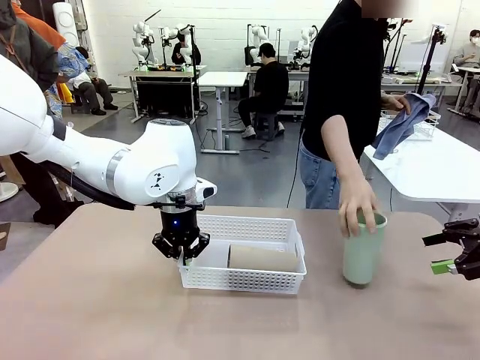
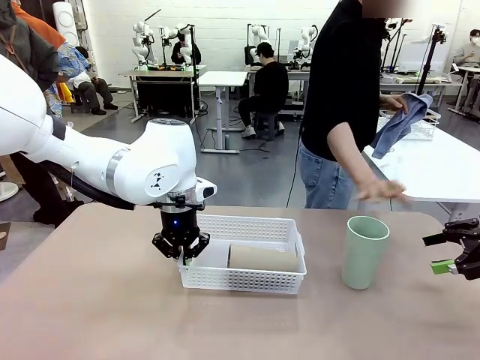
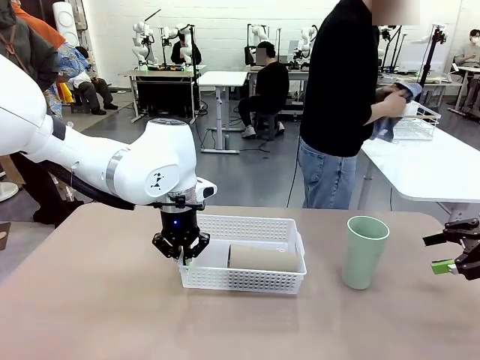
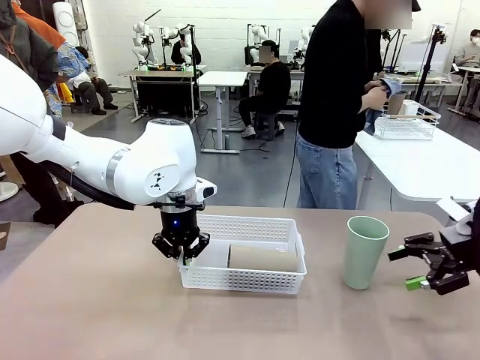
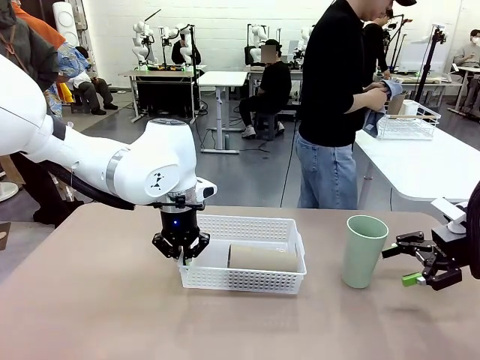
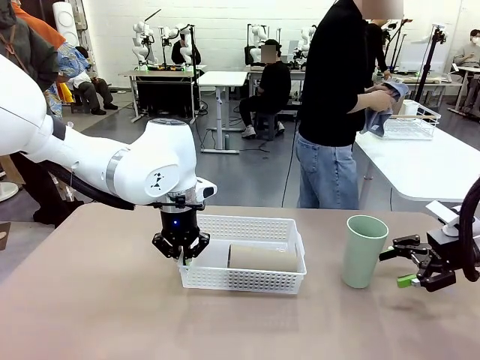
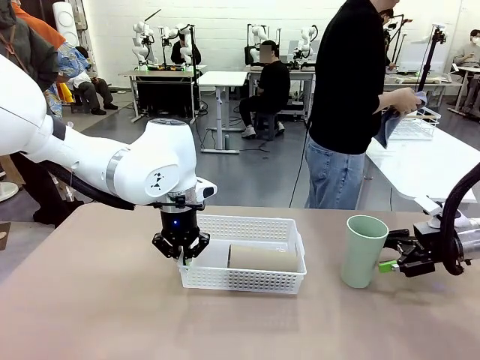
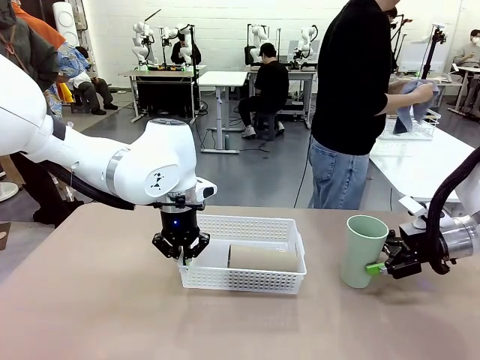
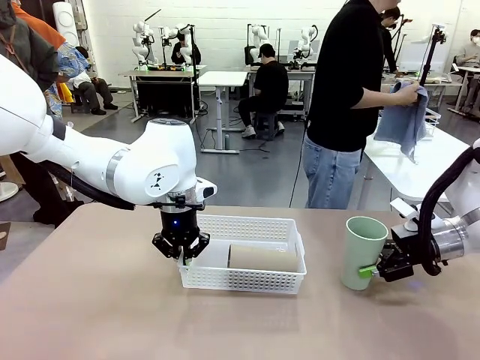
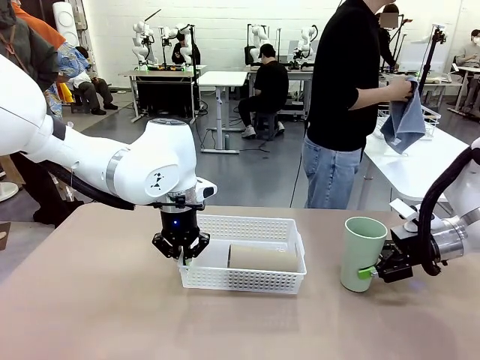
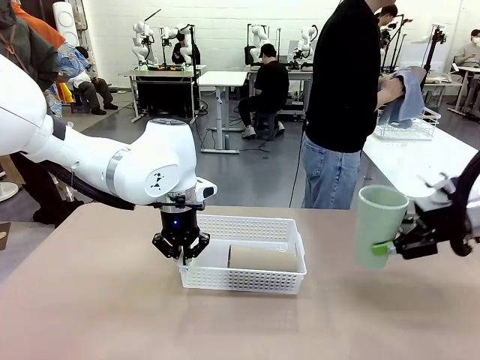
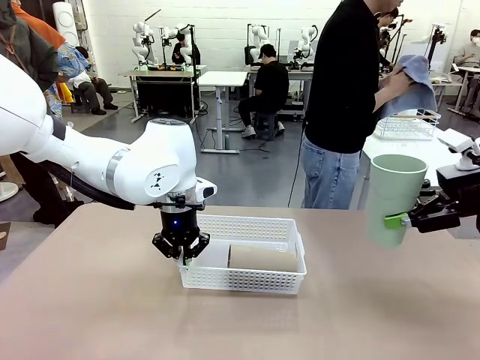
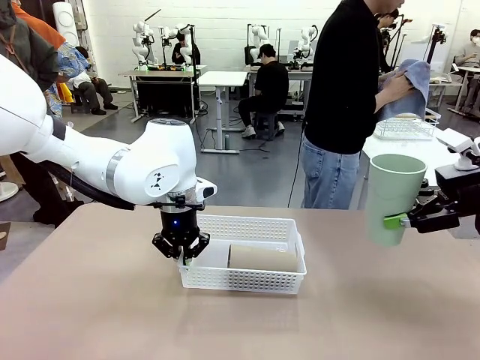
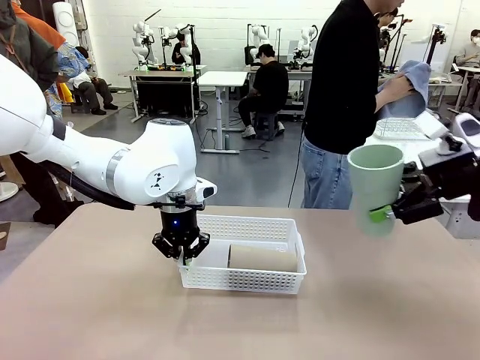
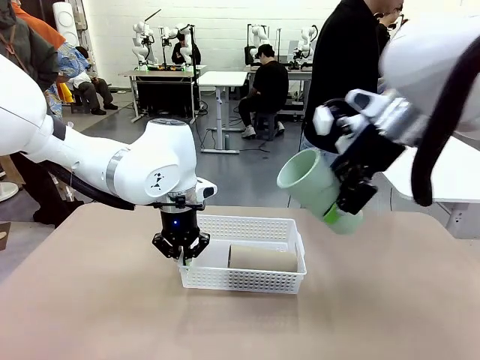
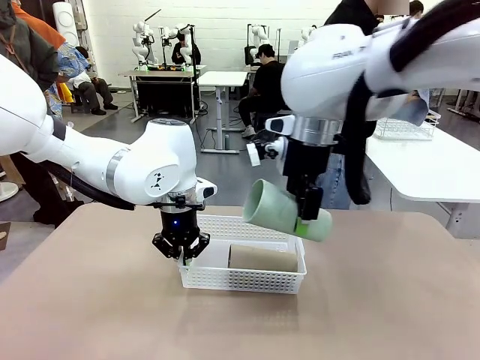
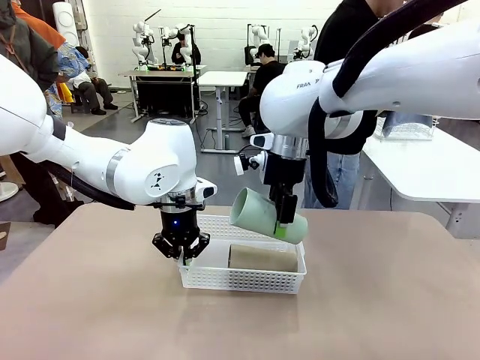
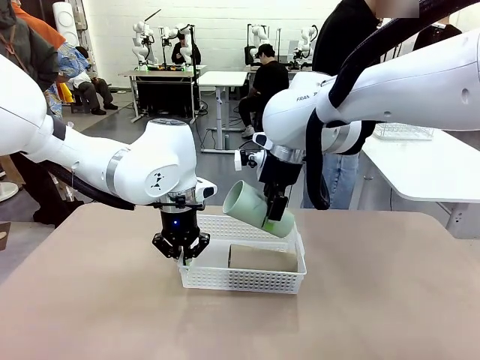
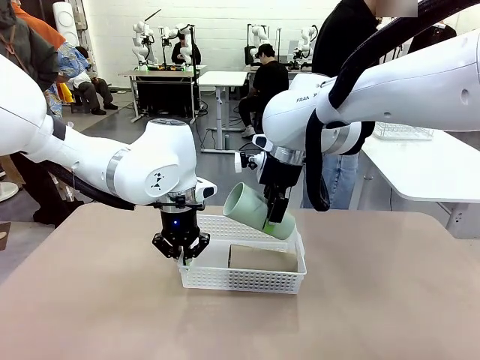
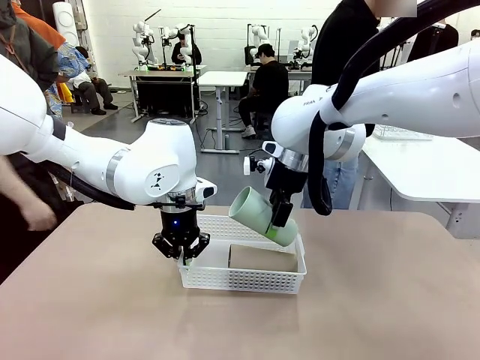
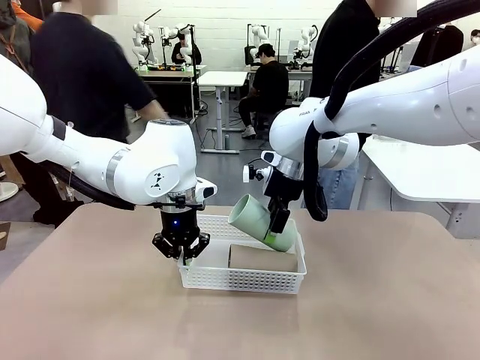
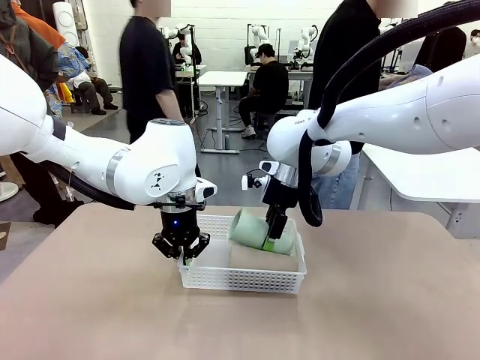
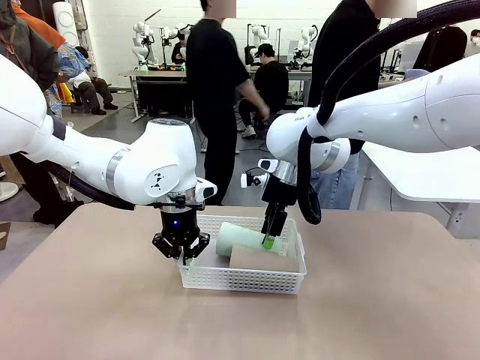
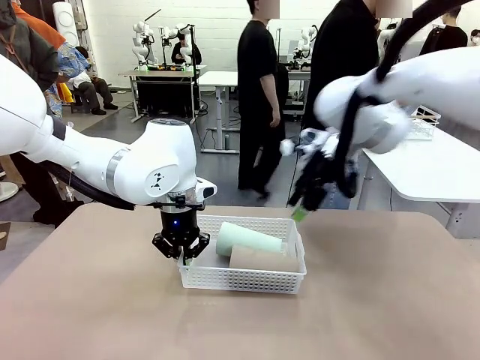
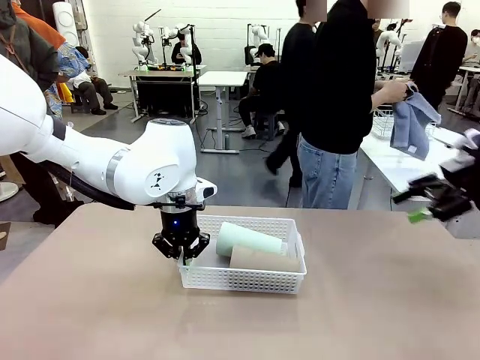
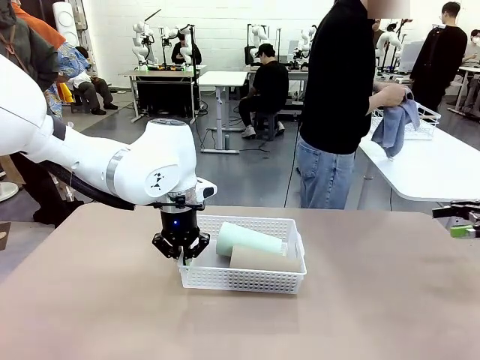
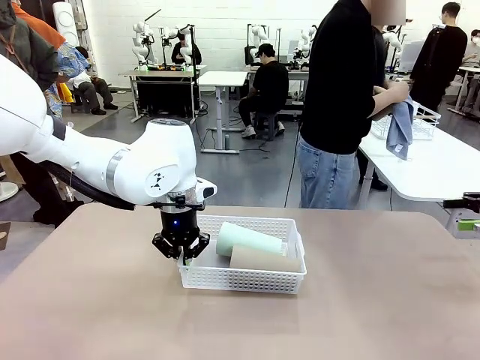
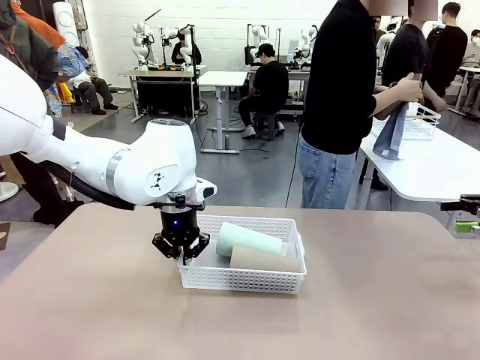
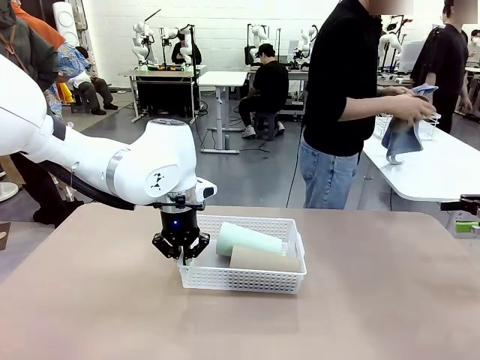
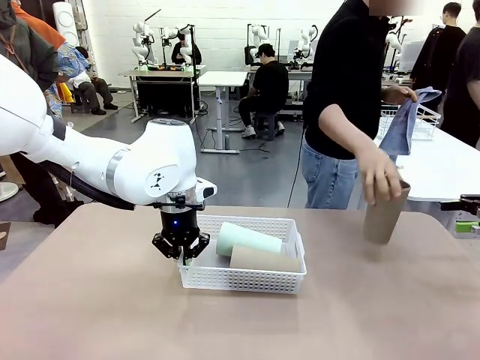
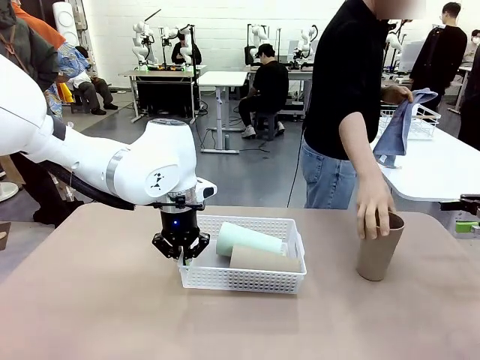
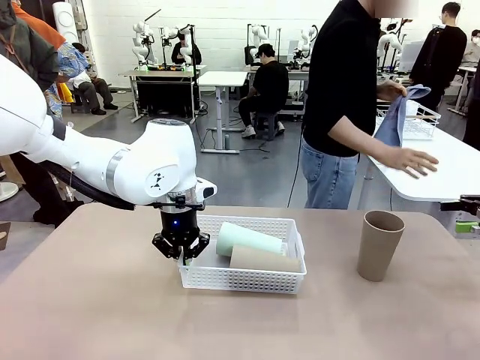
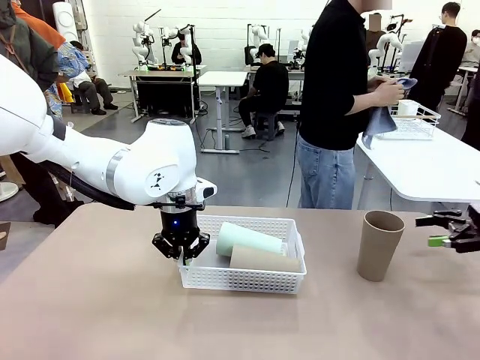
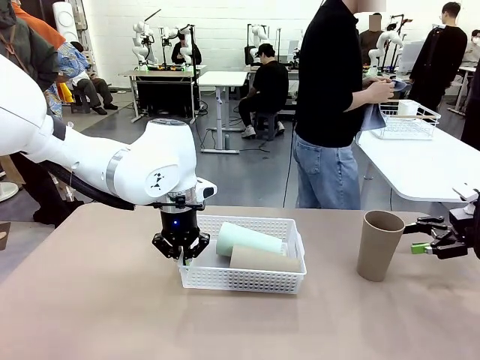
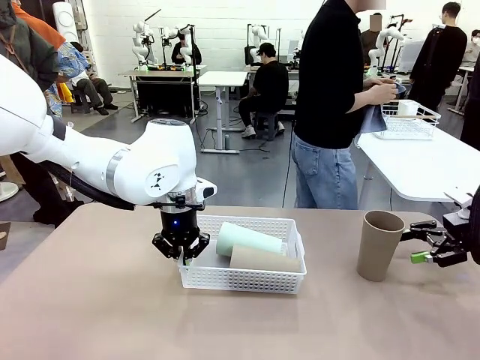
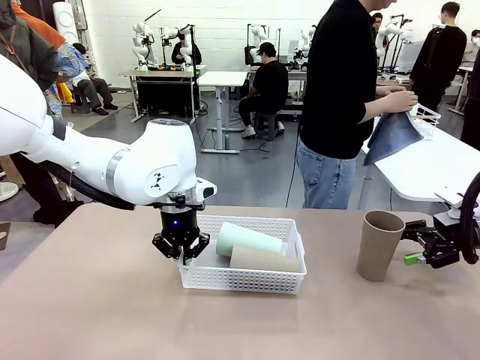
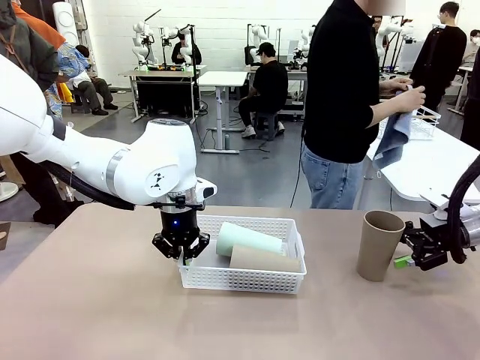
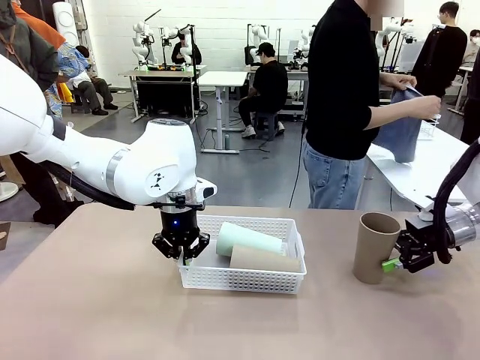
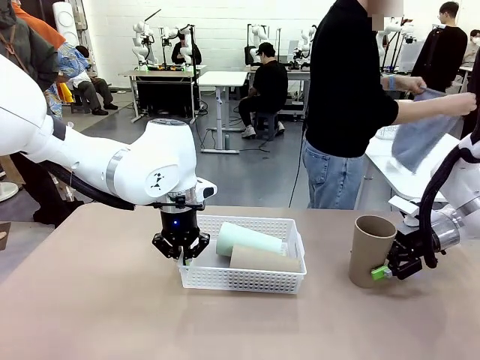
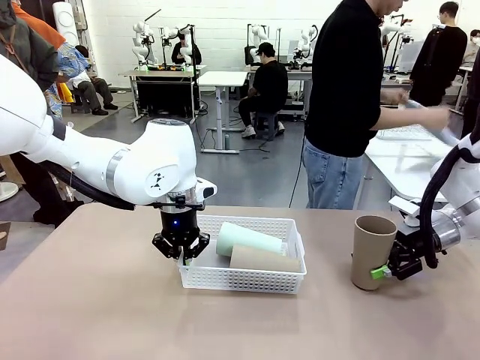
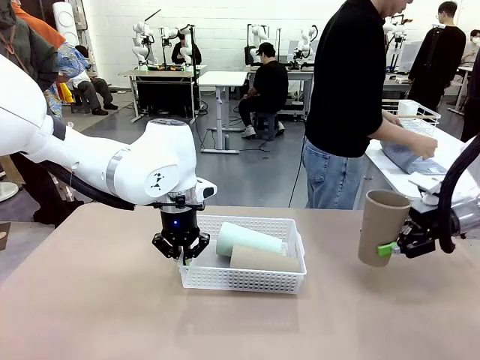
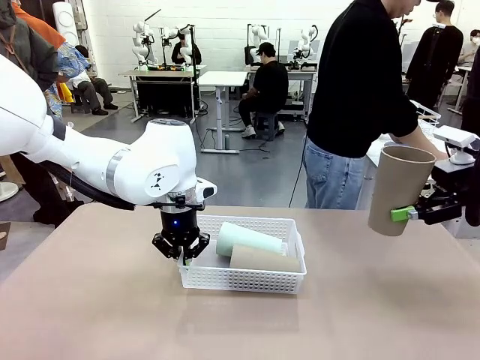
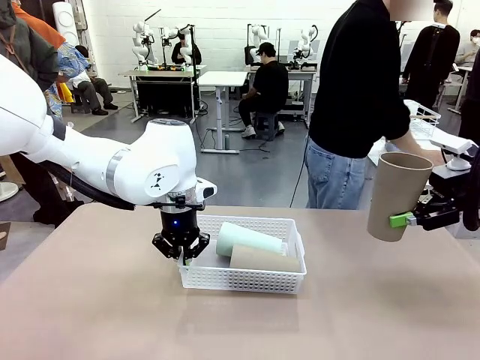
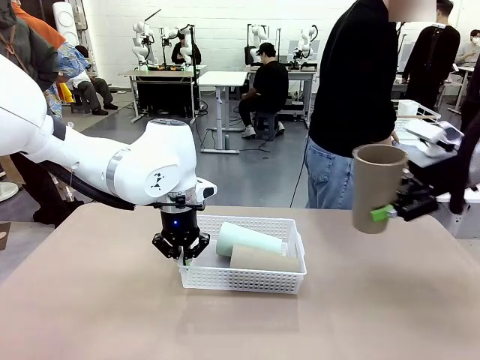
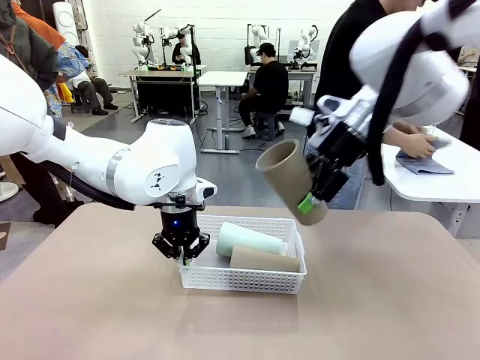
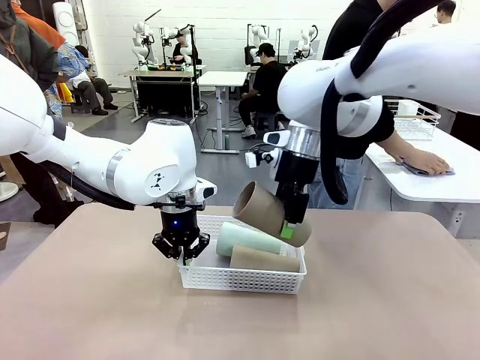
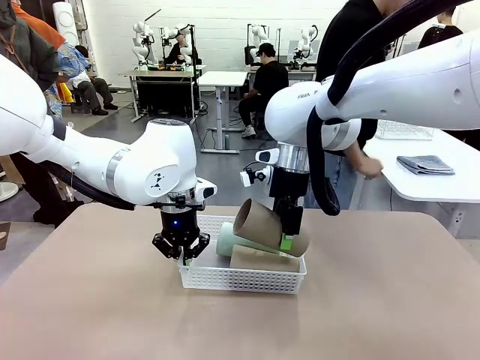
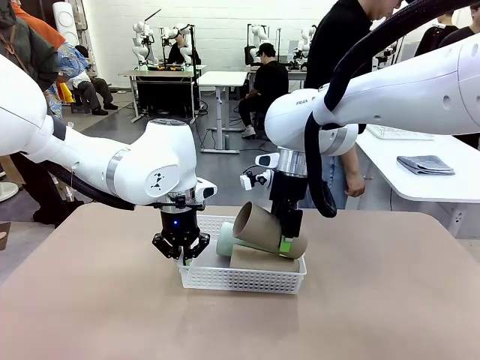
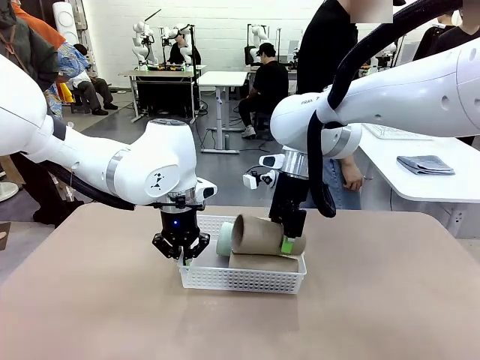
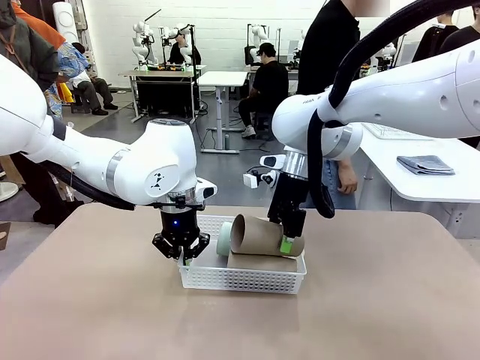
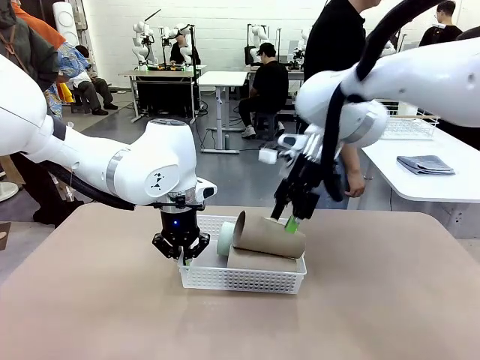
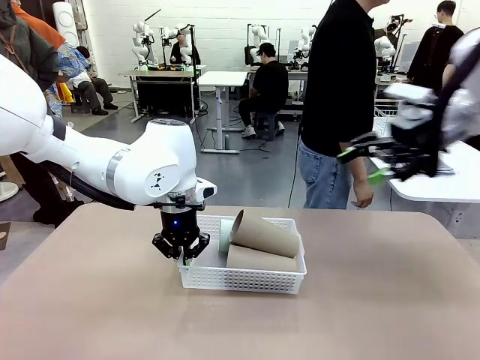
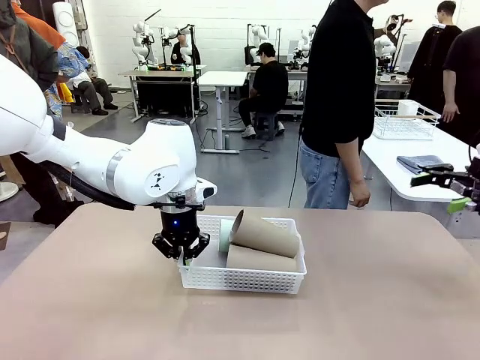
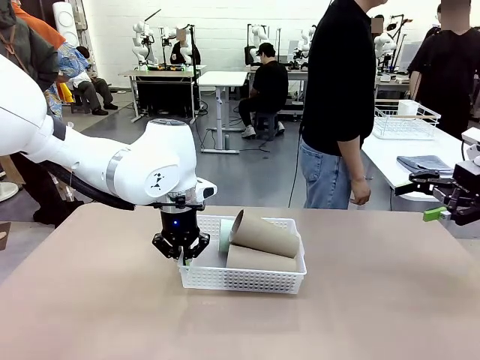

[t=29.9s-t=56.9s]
Task: Clean and organize the cups into the basket.
Robot: Pick up the Reusable plastic cup from the right side of the table and stack it inside the Organizing basket in the center of the table.
